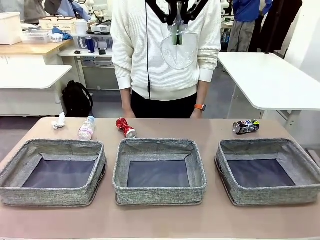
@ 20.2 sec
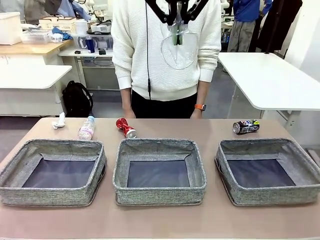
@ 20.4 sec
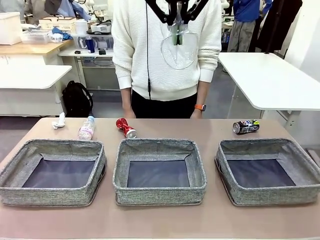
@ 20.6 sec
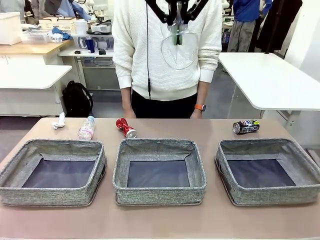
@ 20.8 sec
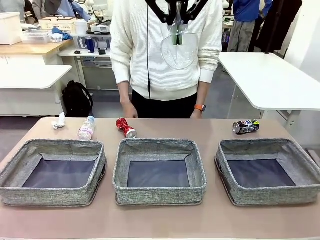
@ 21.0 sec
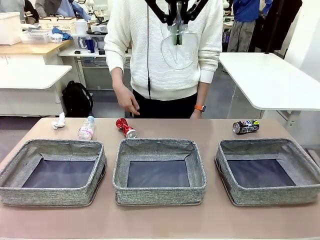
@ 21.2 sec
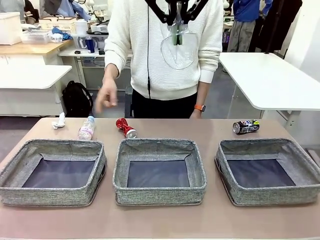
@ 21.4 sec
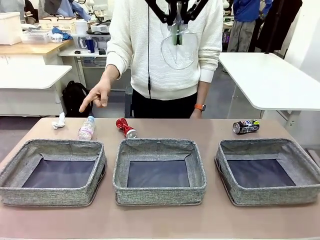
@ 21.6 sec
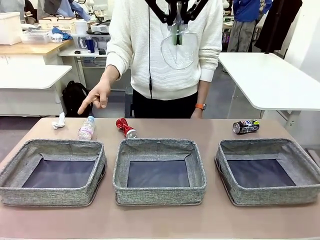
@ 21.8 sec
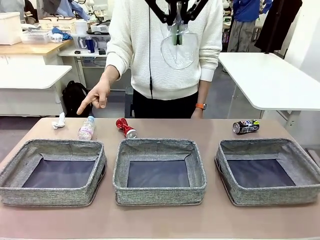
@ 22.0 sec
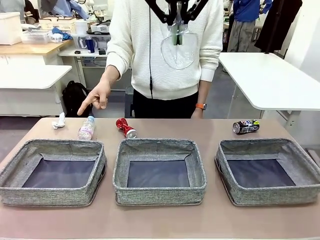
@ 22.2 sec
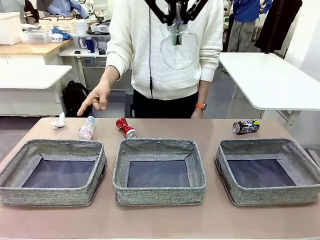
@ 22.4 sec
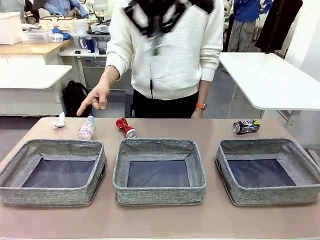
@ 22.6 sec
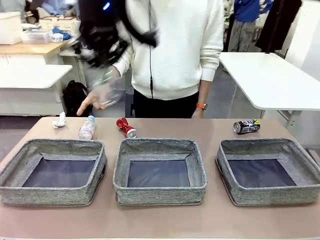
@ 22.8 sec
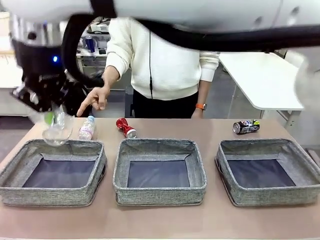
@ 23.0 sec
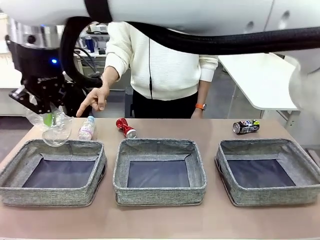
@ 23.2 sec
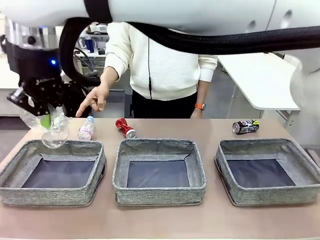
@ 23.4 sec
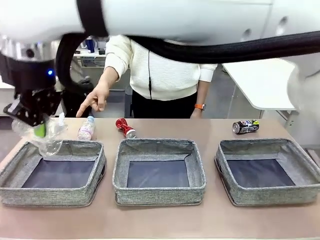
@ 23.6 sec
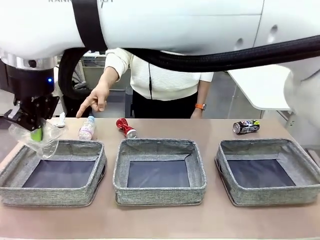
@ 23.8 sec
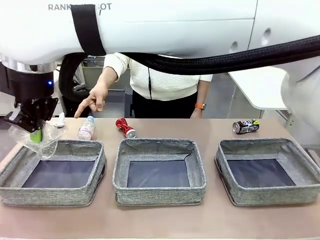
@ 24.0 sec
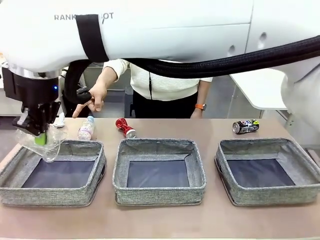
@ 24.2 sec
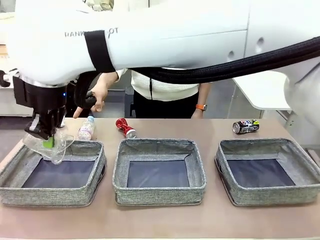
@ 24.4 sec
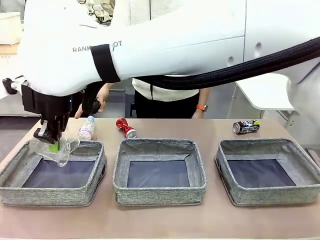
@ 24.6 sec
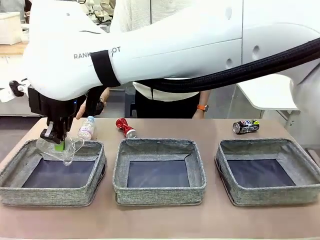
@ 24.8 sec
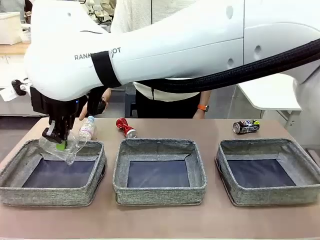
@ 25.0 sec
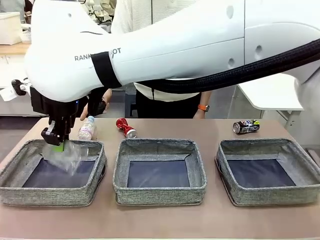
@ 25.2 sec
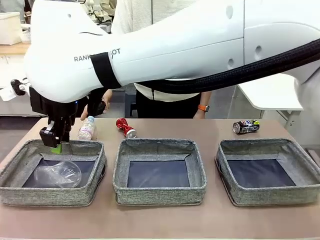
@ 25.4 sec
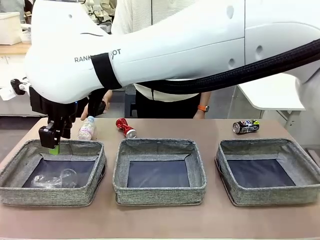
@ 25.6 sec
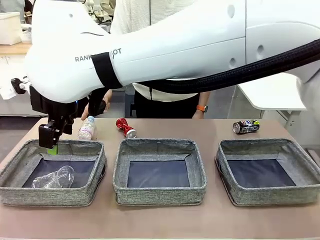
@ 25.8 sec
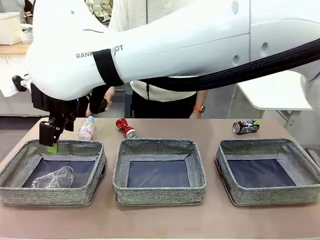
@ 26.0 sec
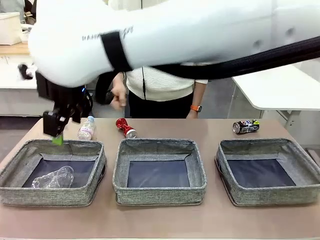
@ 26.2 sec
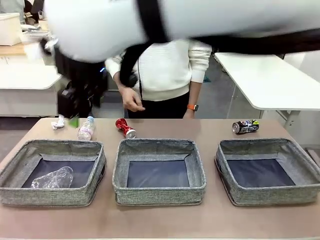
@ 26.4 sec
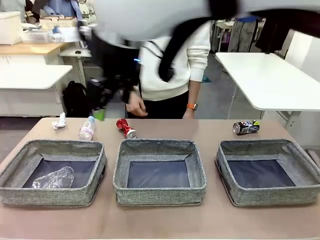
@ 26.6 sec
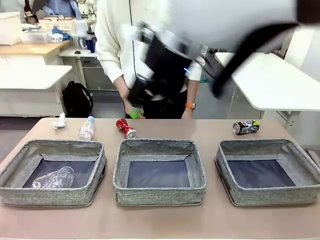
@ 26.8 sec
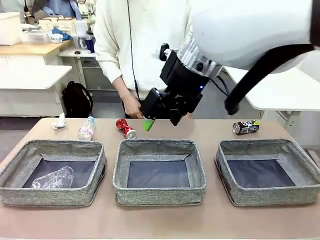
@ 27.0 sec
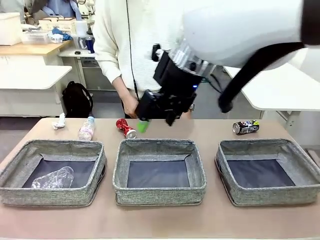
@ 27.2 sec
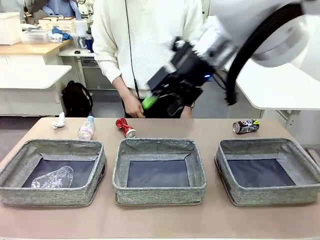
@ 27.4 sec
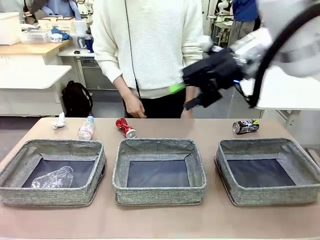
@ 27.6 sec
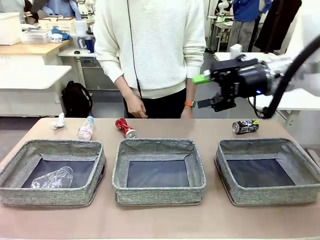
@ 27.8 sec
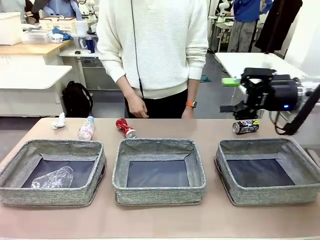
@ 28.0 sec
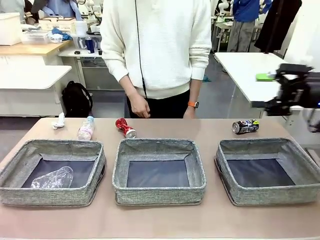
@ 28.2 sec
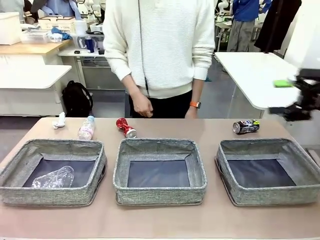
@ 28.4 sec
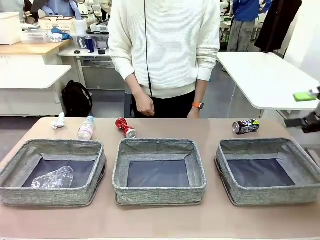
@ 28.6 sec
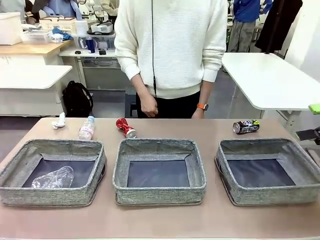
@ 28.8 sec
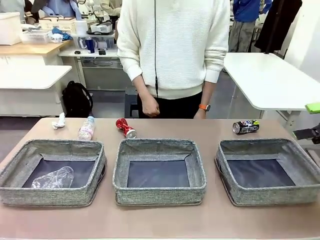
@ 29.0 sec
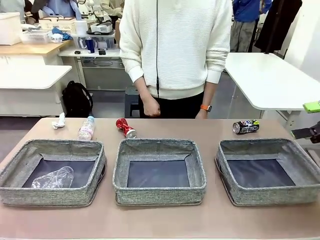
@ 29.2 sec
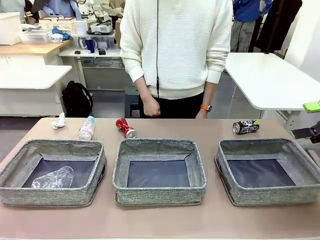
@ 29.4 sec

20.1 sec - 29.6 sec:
Task: Sort the waste into the appropriate baskets.
Robot: Place the picked waste into the Fabric basket indicated by the person.
Person: Instructs the robot to place the picked-up trash into the appropriate organizing basket.

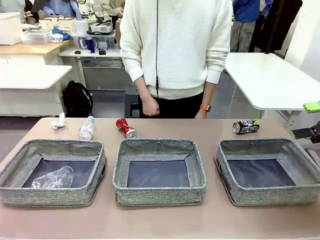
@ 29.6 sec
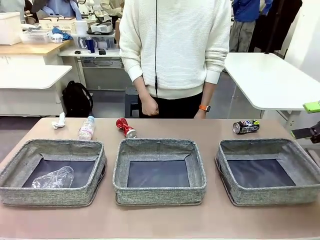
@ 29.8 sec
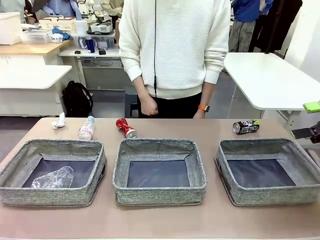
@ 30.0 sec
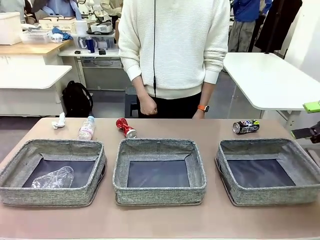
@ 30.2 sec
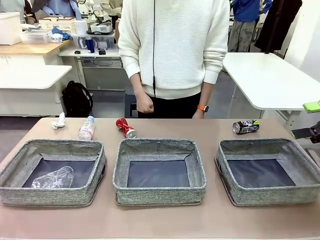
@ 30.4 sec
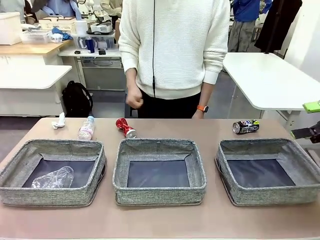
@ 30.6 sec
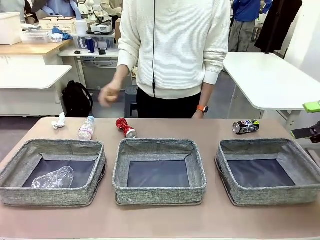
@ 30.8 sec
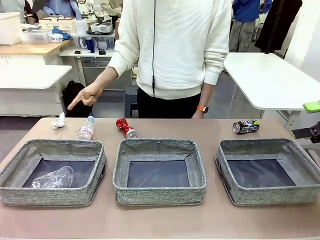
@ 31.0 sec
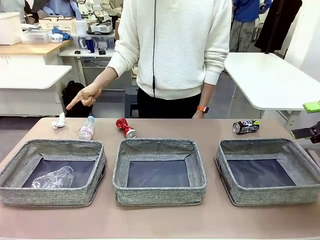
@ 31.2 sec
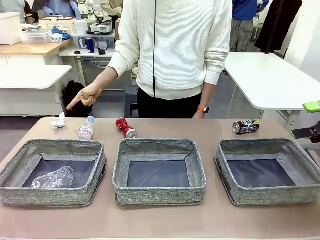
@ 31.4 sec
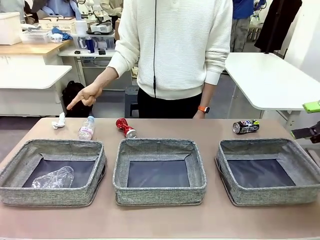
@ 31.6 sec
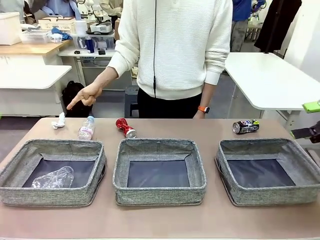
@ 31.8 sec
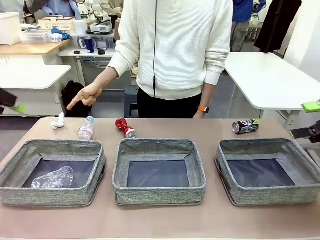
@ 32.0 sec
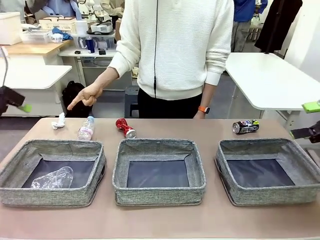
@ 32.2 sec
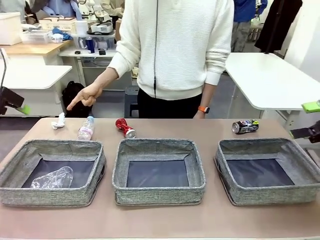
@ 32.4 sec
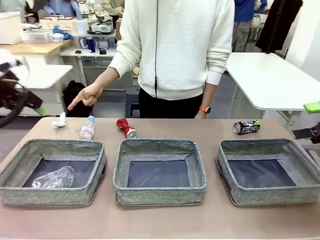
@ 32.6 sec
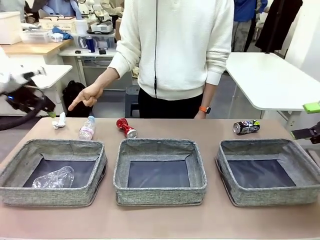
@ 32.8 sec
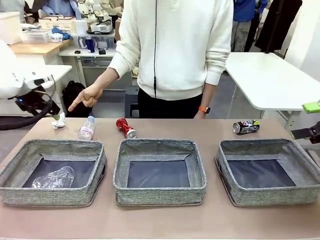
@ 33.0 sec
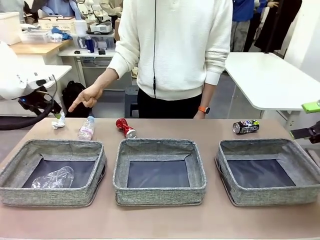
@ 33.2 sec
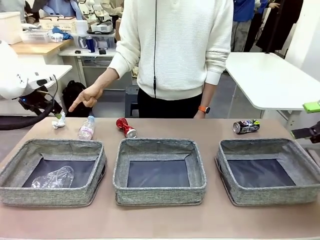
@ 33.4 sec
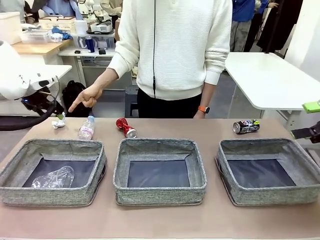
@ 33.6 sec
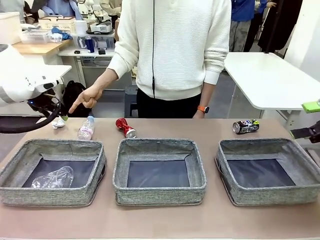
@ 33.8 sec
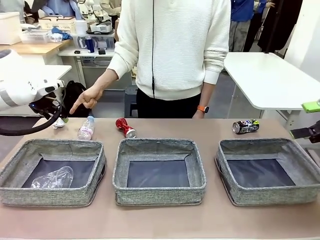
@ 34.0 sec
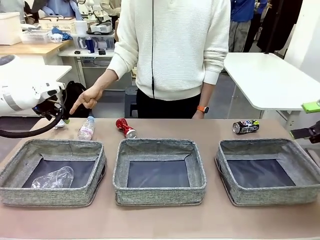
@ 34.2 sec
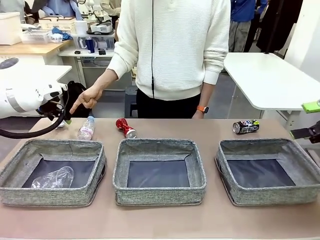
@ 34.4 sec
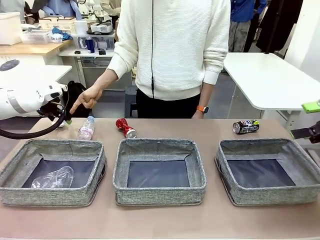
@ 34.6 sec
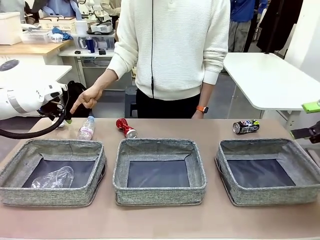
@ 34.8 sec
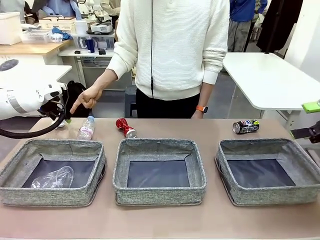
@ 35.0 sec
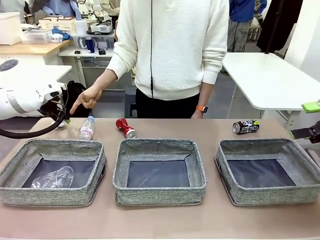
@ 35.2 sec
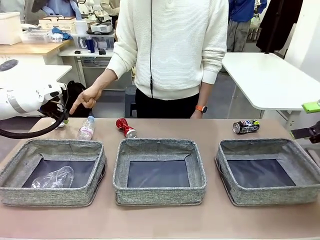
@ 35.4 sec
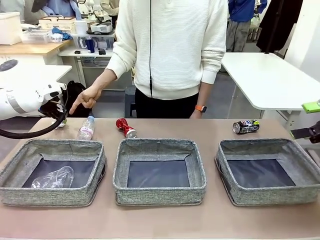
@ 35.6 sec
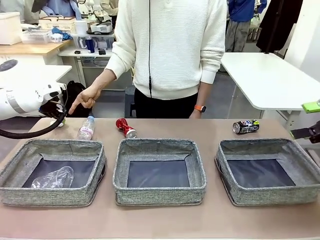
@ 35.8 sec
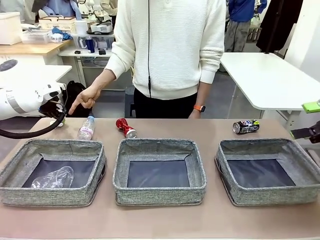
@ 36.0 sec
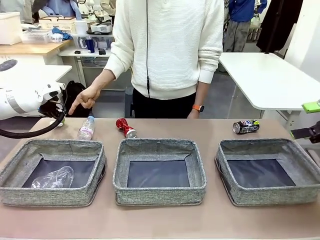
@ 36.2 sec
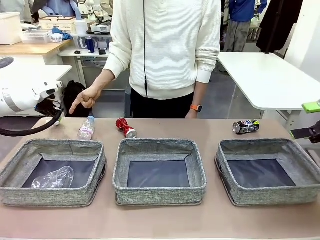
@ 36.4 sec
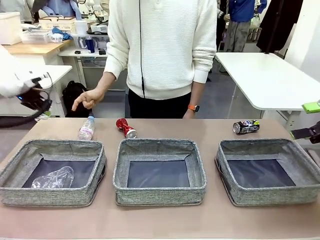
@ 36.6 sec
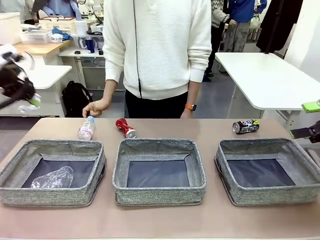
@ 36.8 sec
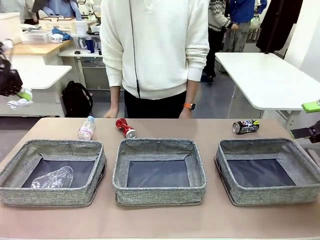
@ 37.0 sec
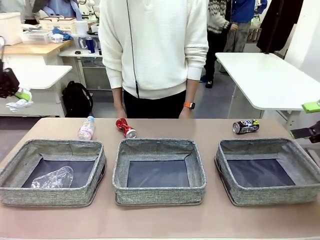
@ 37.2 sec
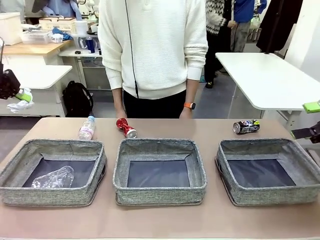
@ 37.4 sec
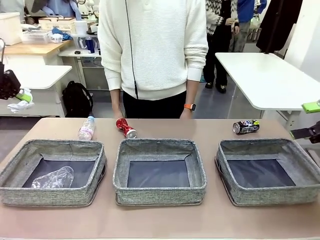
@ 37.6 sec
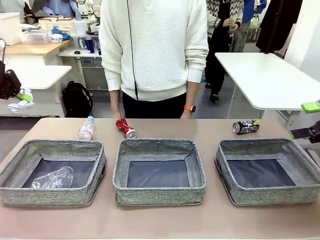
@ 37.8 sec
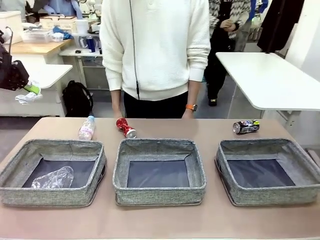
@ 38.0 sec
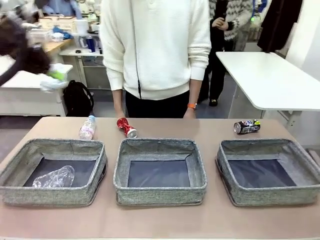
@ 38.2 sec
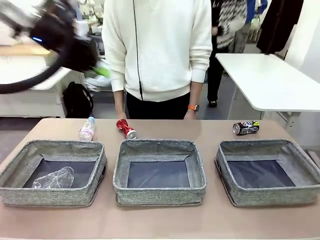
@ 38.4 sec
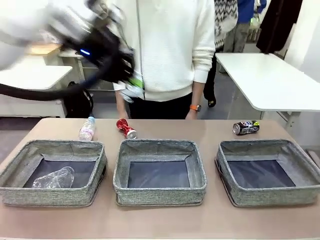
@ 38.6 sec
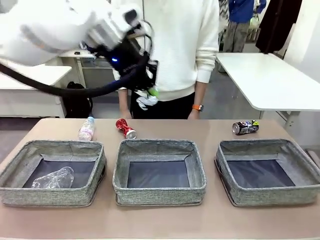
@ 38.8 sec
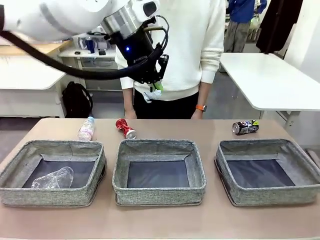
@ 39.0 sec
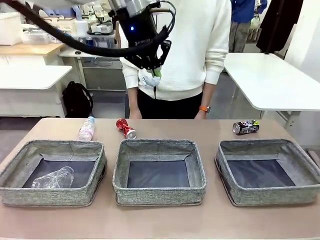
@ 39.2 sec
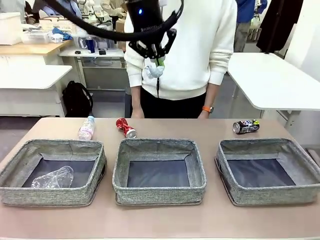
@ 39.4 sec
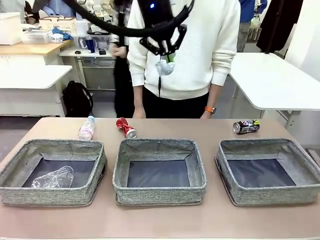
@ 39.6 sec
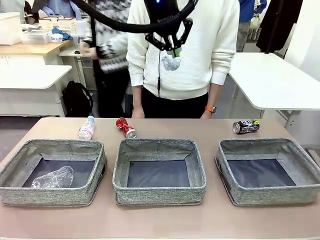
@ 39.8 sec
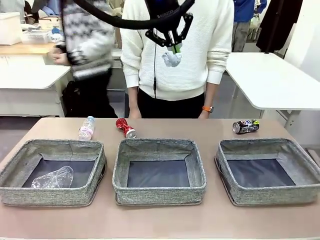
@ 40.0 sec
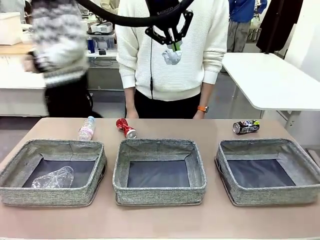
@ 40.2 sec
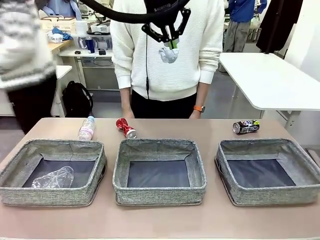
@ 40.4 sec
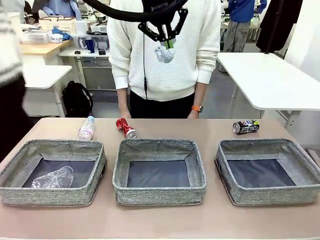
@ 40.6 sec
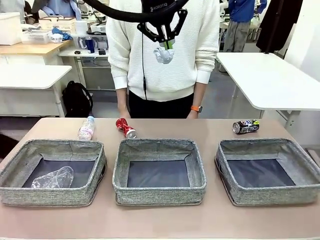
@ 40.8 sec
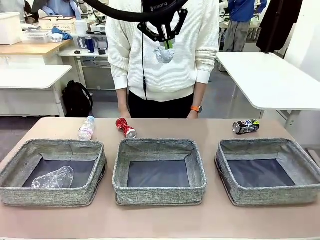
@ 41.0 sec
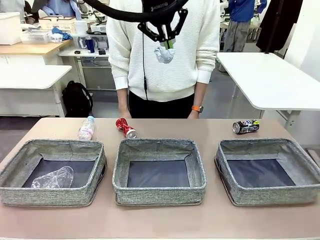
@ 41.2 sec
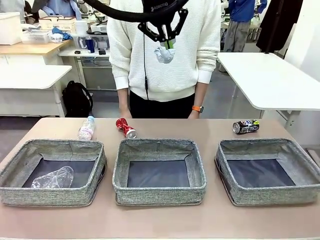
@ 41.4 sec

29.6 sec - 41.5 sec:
Robot: Pick up the waste item pointed out by the person.
Person: Points to one piece of trash on the table.
